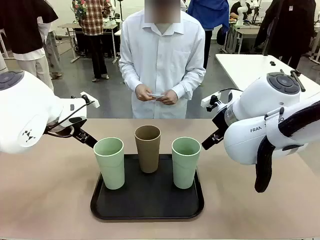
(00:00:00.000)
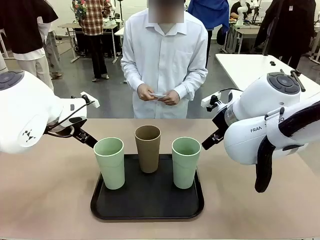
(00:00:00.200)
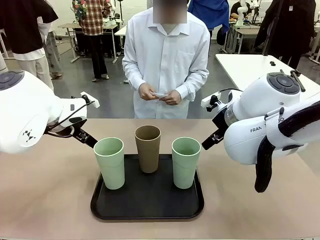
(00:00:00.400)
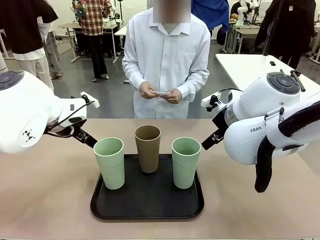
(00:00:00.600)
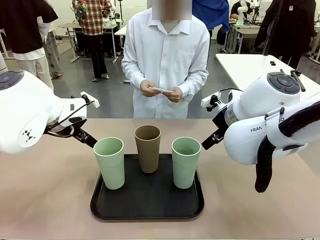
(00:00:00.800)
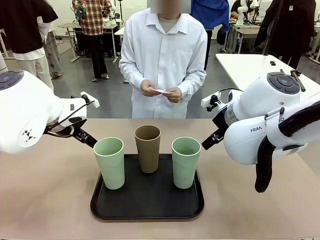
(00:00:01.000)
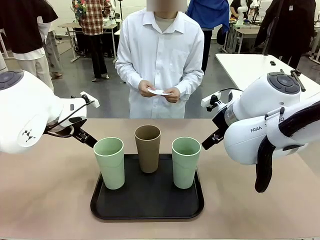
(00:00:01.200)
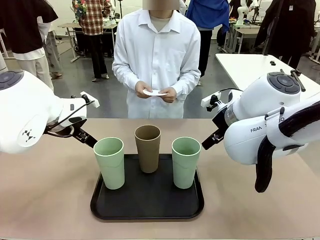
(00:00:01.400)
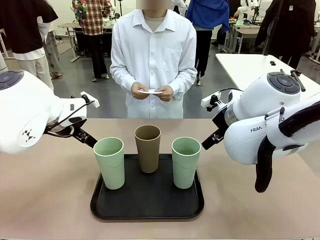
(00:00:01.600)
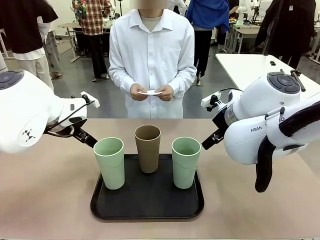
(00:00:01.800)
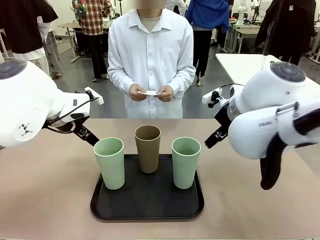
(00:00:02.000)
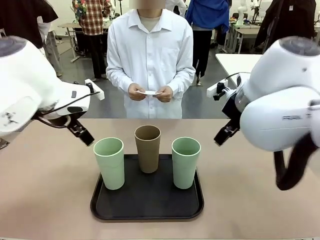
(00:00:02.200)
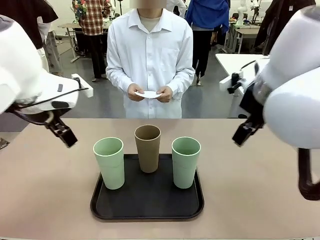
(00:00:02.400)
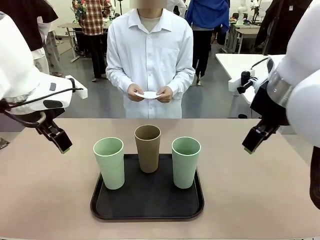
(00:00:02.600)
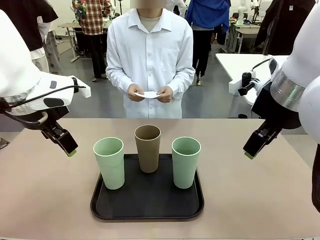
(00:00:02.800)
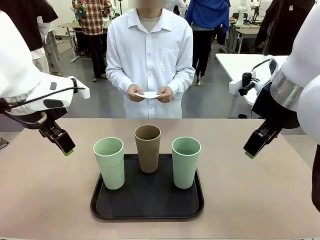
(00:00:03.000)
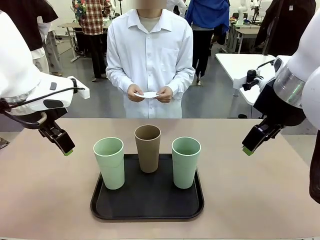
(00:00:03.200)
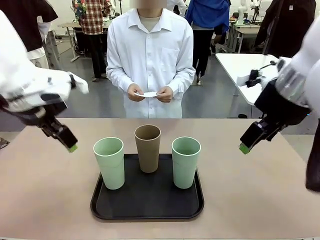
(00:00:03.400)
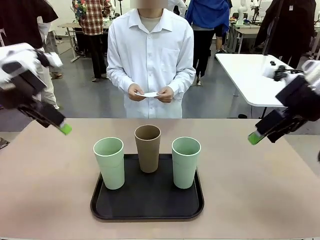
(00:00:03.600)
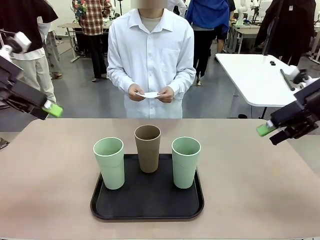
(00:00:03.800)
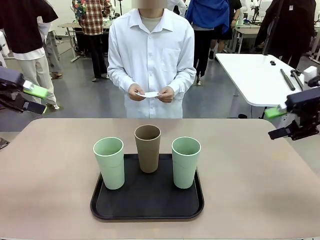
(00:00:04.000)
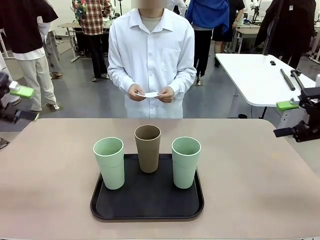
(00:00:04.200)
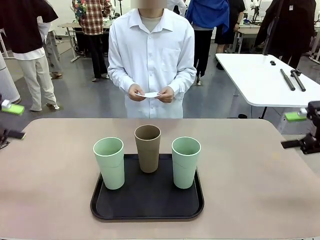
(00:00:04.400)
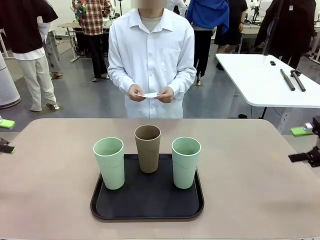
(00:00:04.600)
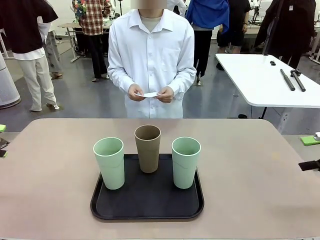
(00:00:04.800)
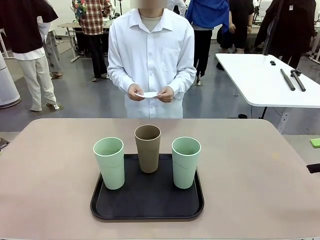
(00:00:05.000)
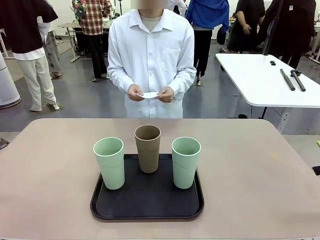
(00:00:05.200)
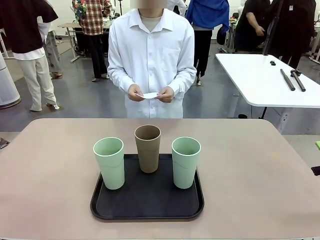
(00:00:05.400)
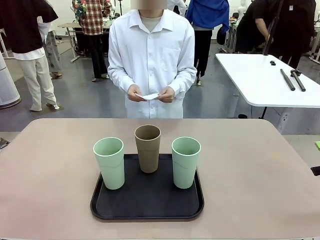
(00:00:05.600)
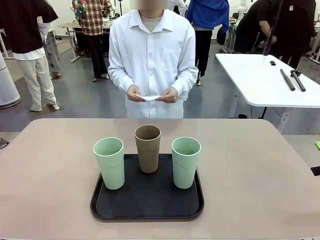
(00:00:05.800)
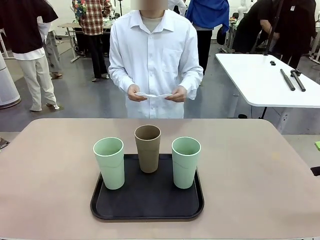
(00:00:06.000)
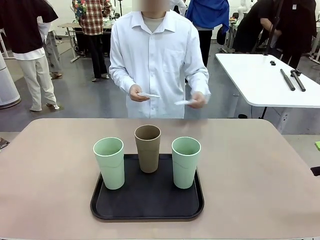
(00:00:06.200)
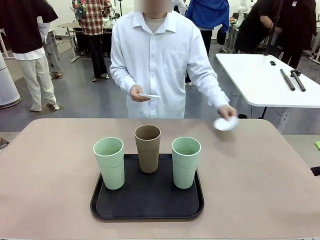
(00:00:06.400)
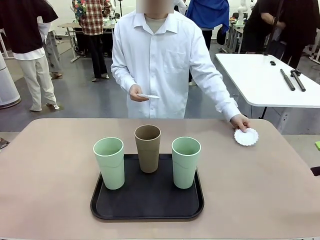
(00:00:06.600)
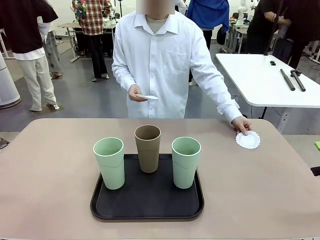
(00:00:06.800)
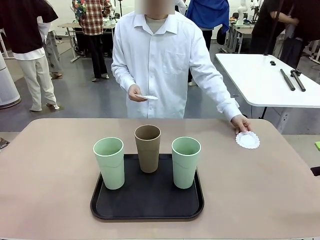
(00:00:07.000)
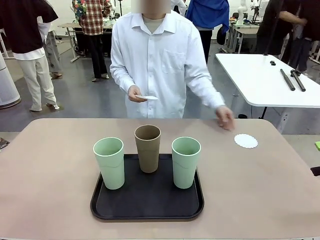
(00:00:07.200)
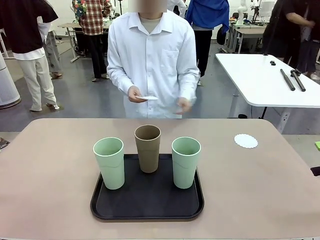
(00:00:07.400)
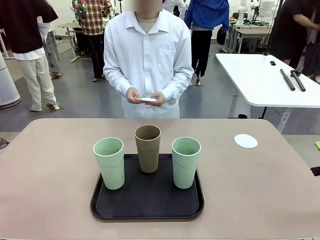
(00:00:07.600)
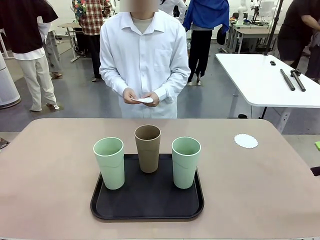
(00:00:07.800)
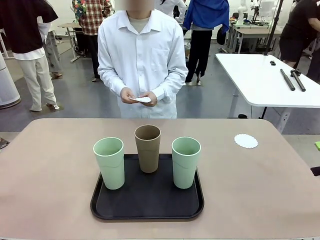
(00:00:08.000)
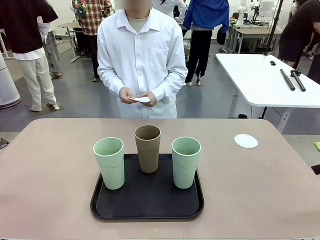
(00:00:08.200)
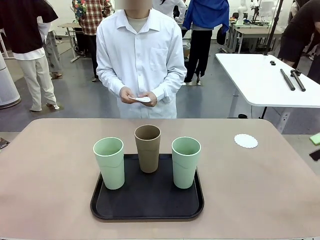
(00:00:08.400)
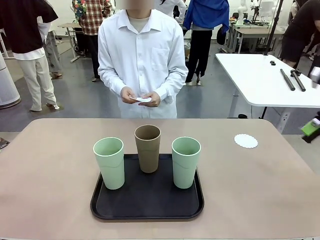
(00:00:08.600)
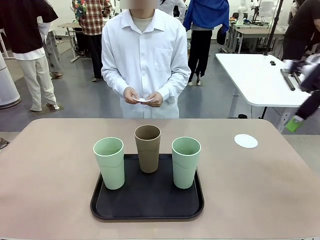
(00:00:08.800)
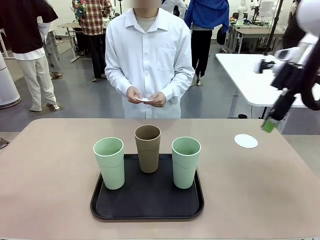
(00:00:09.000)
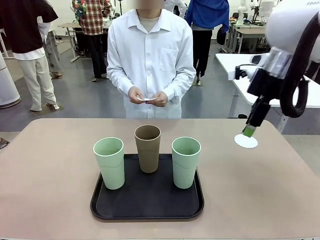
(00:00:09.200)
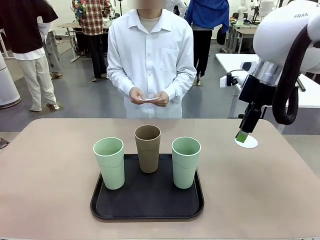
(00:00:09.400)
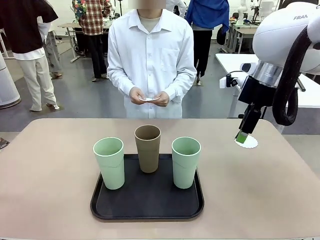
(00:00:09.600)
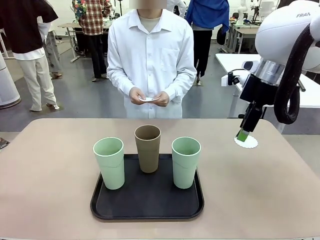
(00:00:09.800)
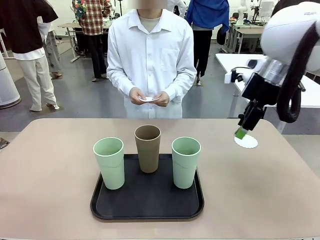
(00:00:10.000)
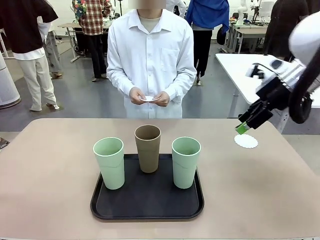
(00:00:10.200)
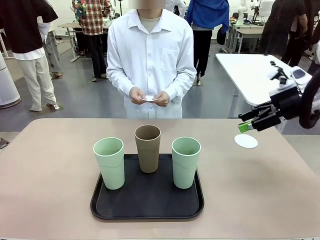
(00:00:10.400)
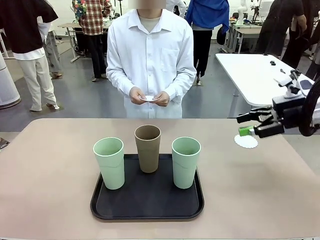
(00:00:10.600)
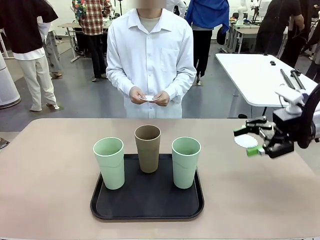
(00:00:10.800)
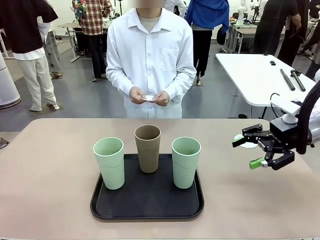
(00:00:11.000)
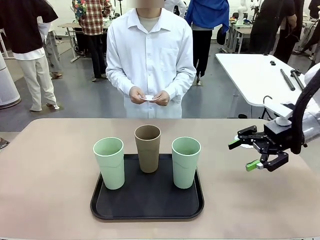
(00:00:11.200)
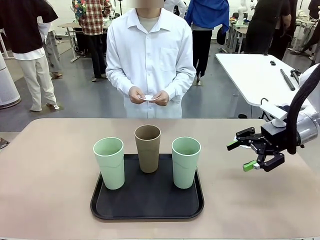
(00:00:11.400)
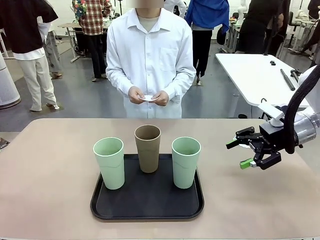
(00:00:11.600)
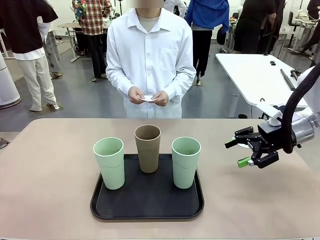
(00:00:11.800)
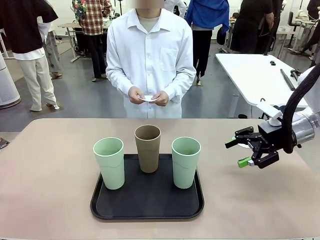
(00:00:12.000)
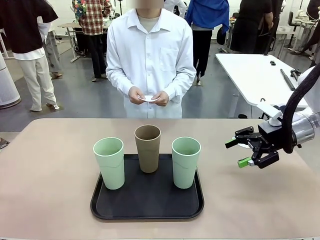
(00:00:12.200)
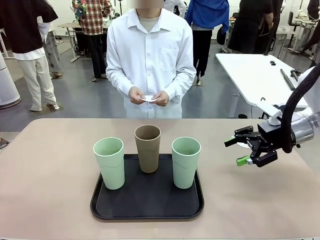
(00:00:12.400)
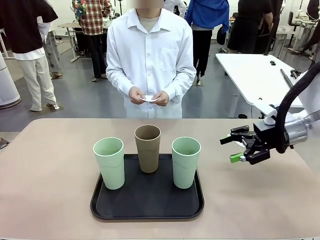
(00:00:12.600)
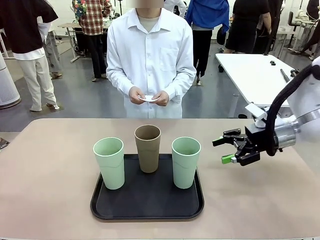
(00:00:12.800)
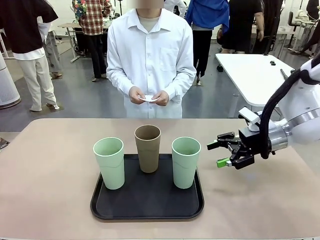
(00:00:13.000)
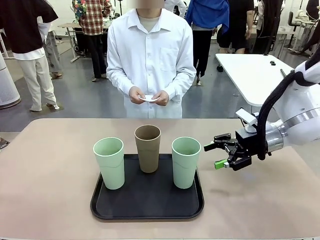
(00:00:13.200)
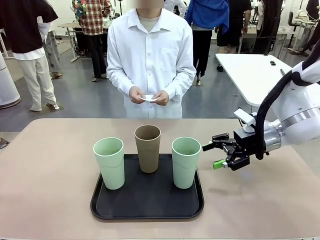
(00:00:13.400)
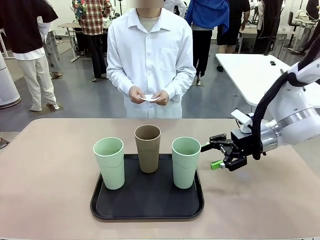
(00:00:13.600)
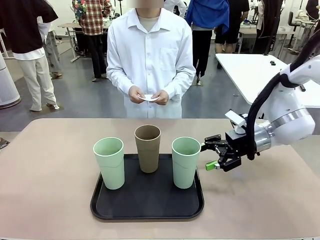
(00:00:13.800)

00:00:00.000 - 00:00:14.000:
Task: Place coasters on the table and set cups on them.
Robot: Pick up one Reusable plastic cup and place it on a coaster set by the human.
Person: Place one coaster in any one of the three lower areas of the robot table (left, center, or right).
